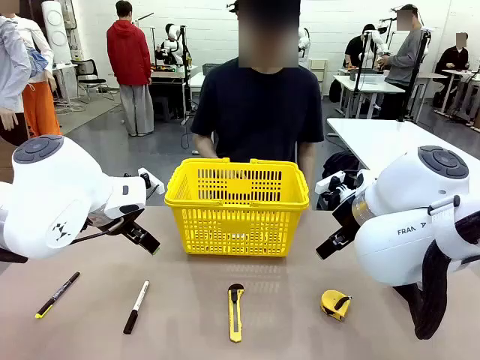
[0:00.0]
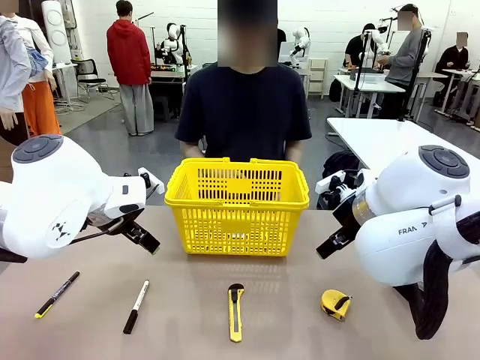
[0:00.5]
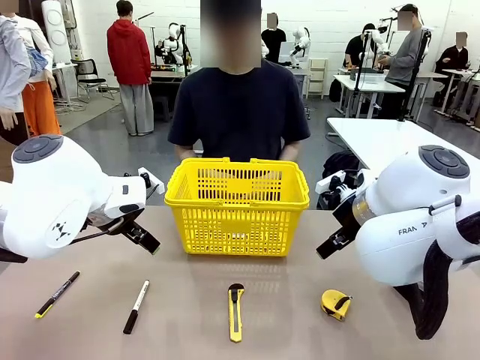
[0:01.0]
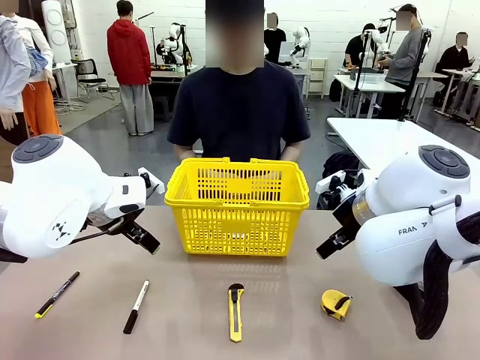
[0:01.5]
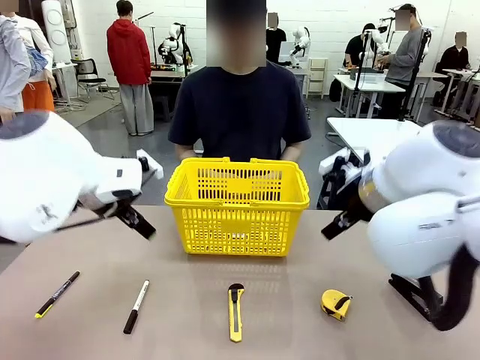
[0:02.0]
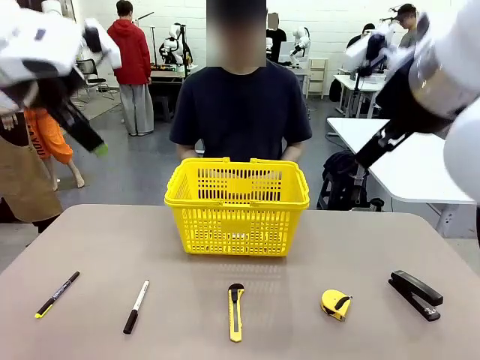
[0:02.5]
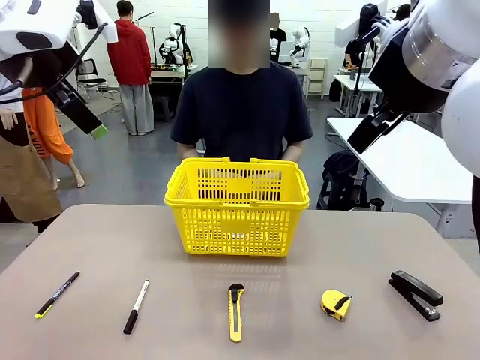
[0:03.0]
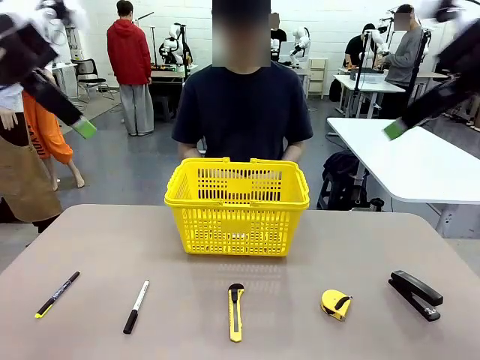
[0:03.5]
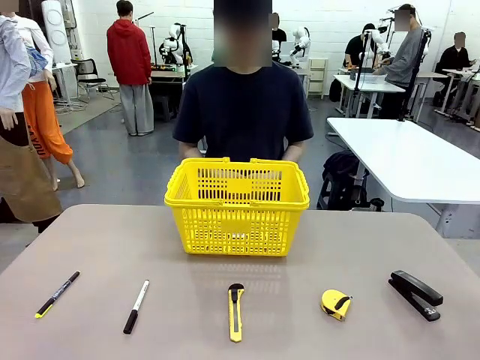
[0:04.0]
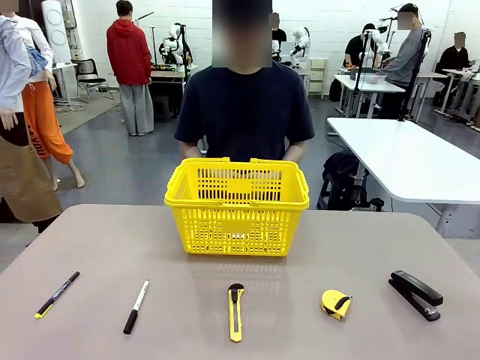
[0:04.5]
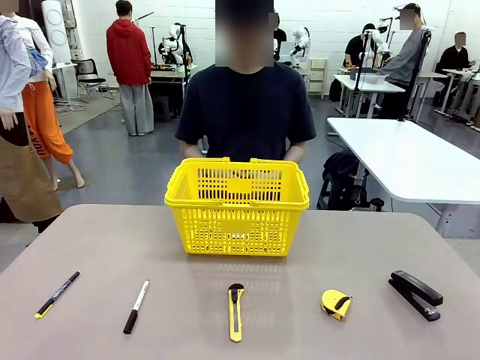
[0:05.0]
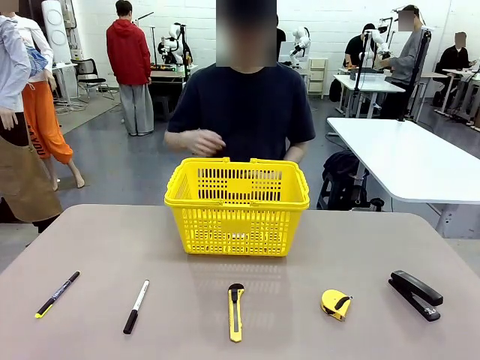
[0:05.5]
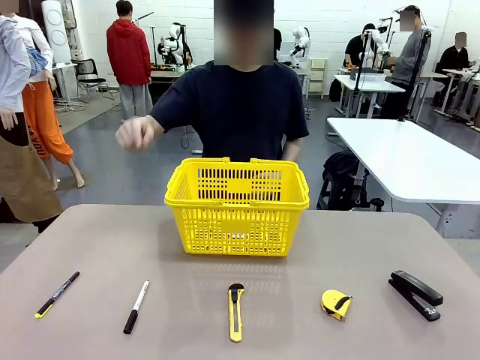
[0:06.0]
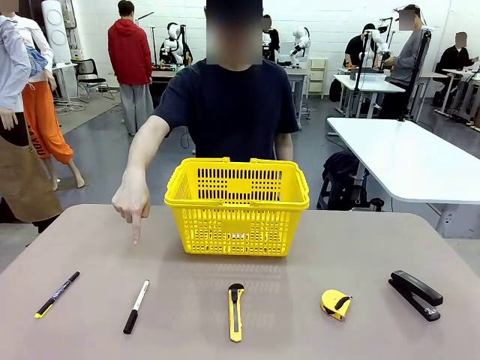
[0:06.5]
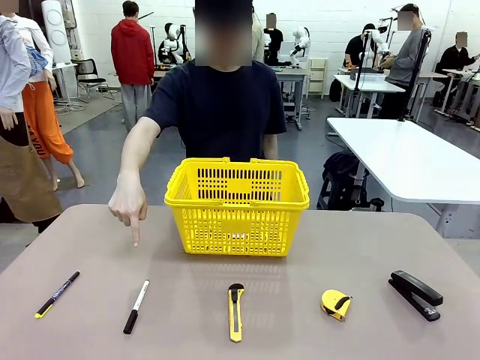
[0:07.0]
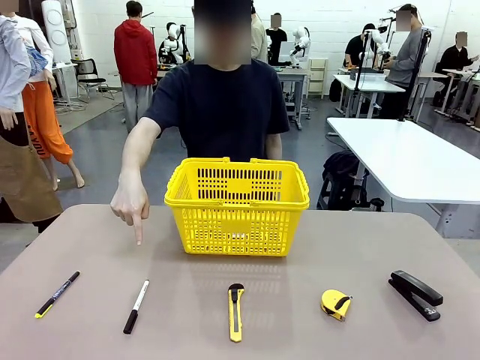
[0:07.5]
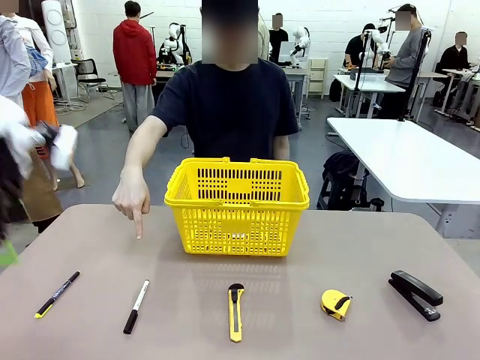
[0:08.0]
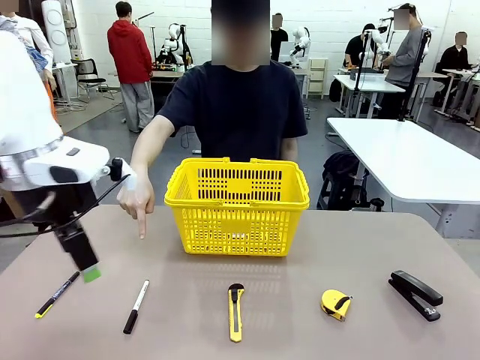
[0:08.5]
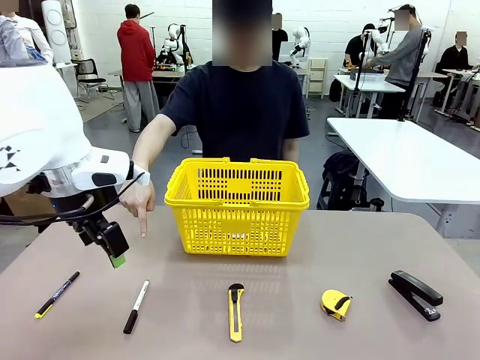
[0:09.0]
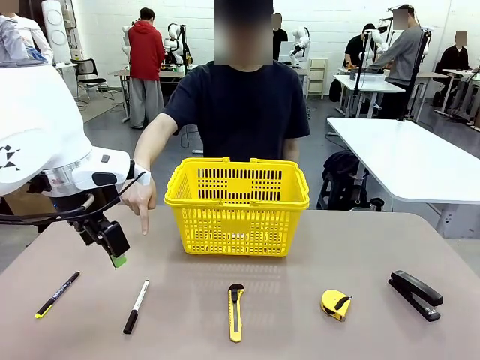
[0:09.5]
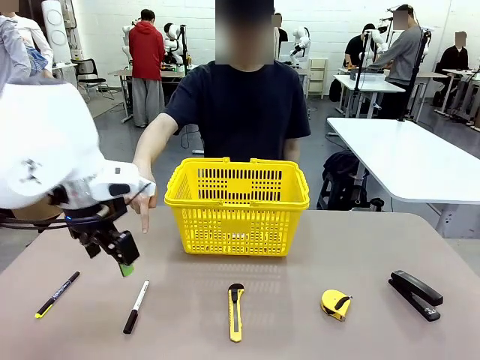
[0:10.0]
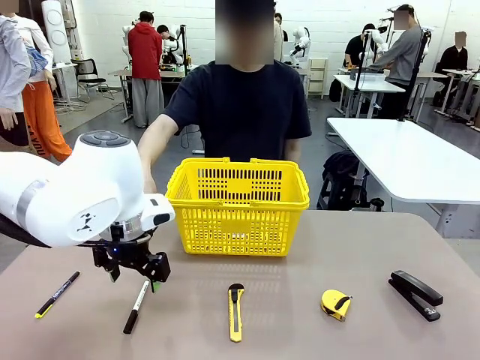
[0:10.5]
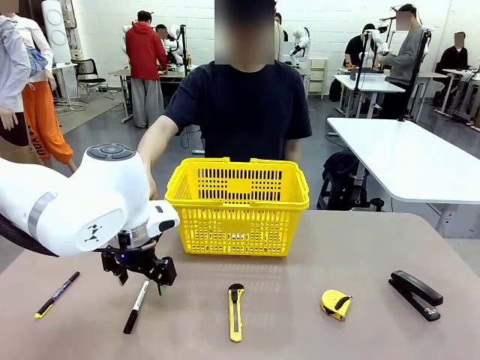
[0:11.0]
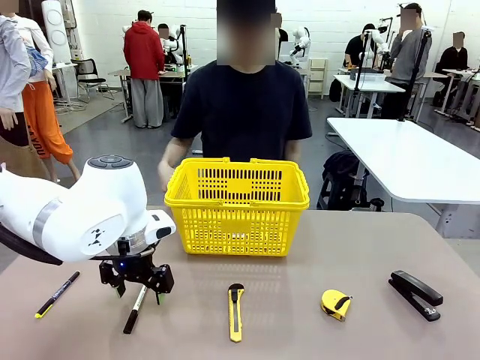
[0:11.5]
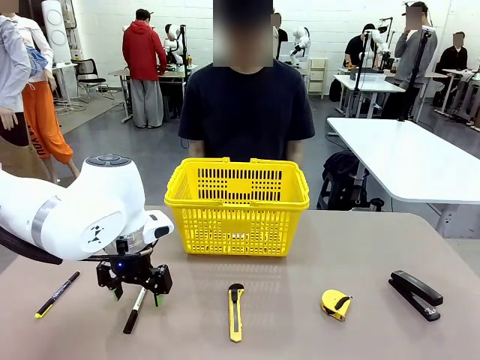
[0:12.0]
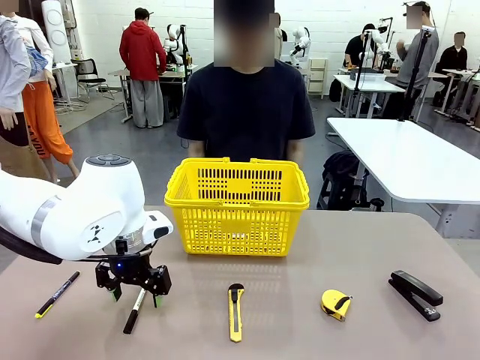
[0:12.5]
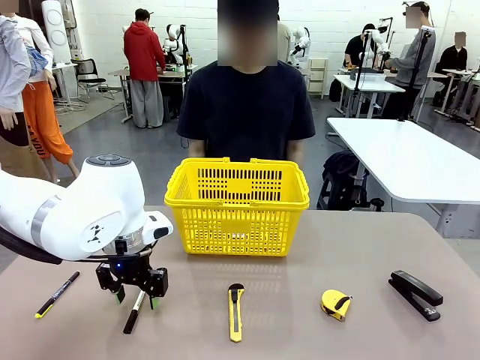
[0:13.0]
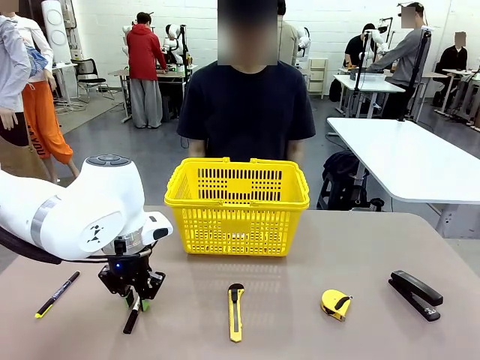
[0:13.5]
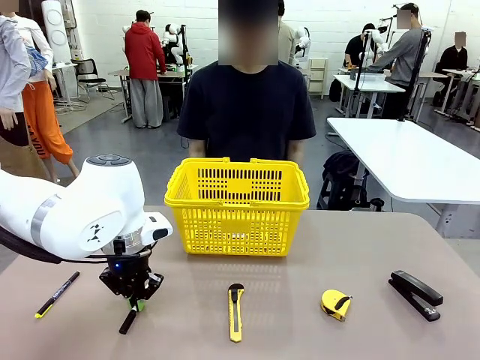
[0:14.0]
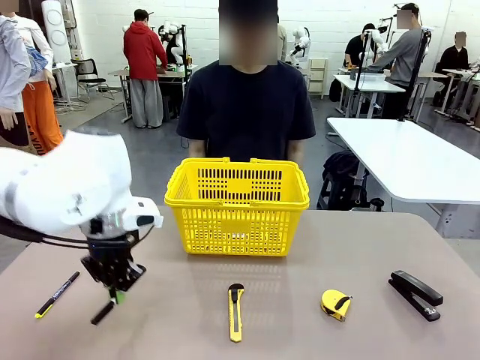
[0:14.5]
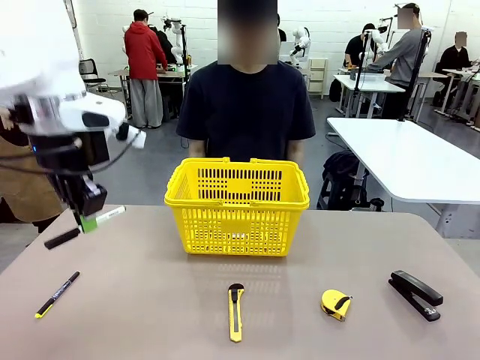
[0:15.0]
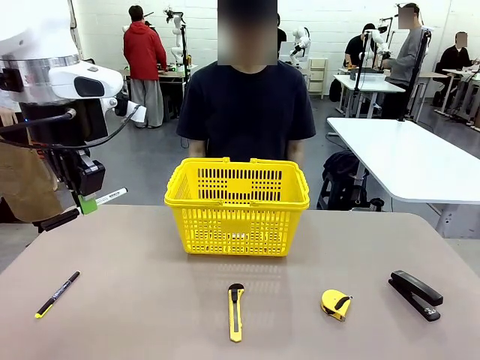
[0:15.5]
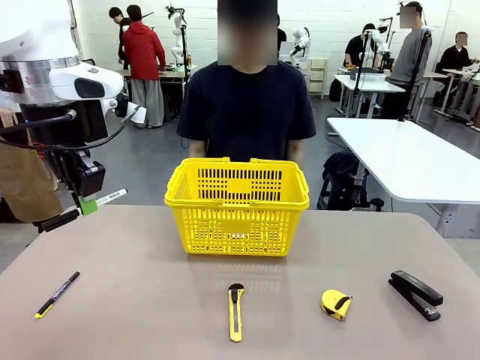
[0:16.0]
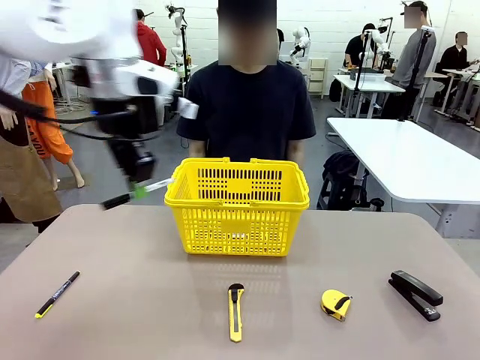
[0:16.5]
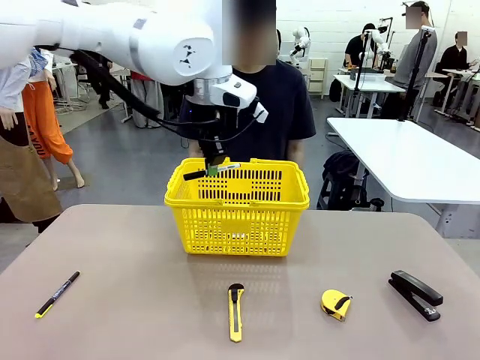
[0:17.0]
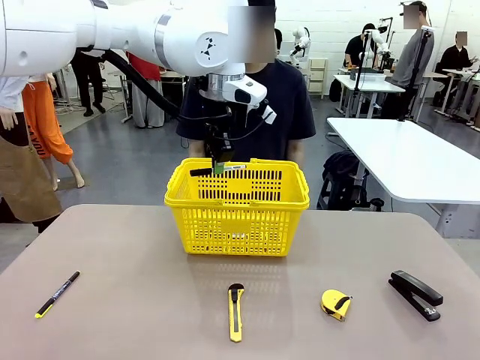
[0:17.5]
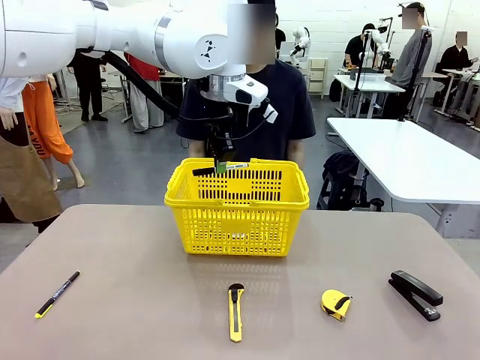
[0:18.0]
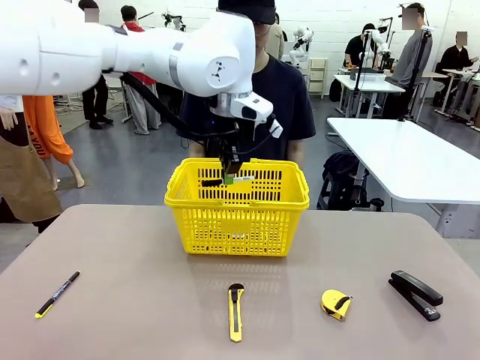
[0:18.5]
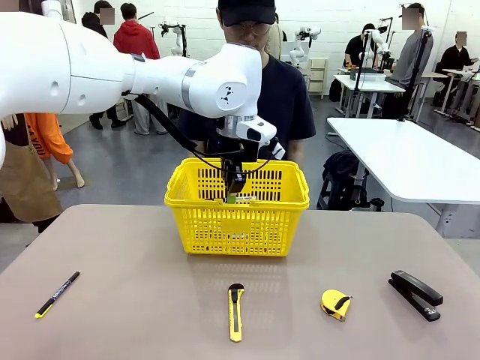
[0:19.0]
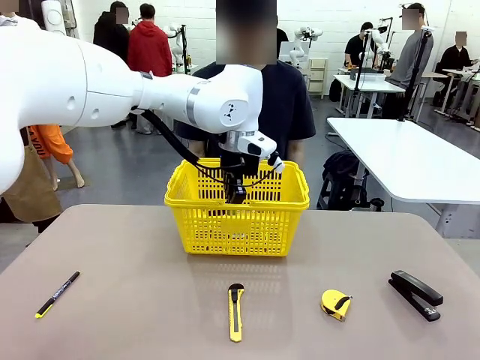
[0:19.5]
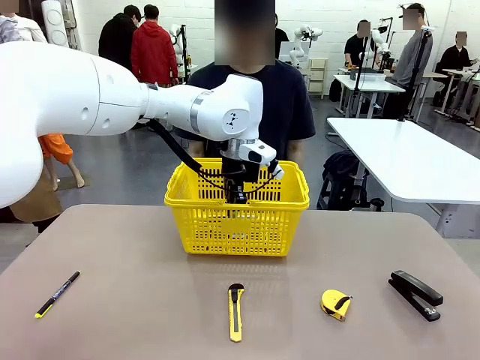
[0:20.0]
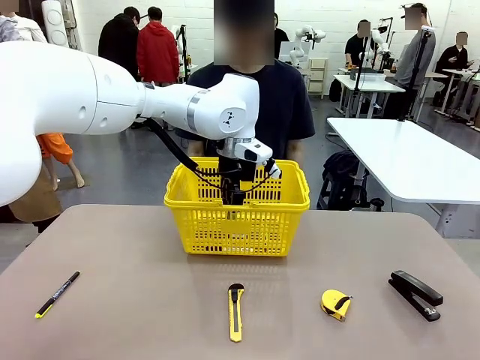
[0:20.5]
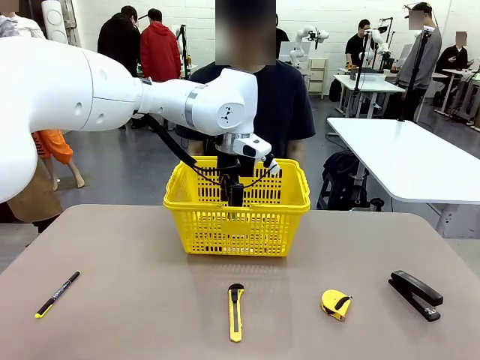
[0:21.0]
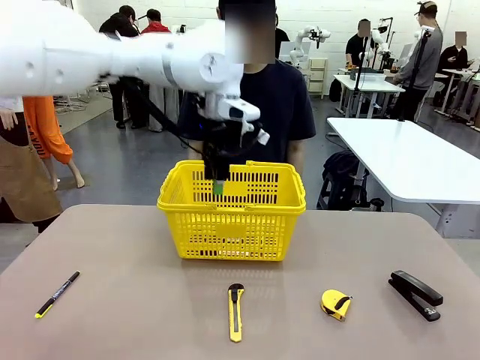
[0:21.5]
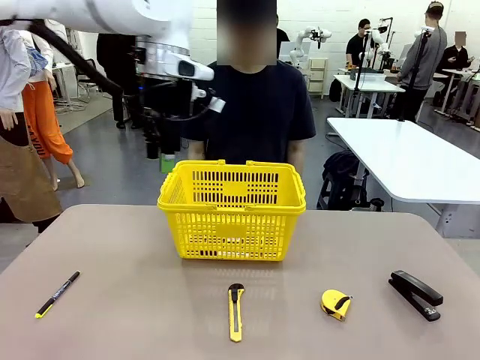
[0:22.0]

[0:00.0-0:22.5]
Task: Place the items the person wants into the basket.
Robot: Pick up the item the person points to and place it in the Market Basket.
